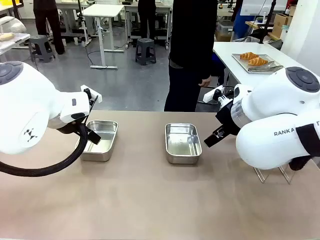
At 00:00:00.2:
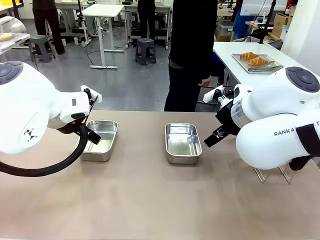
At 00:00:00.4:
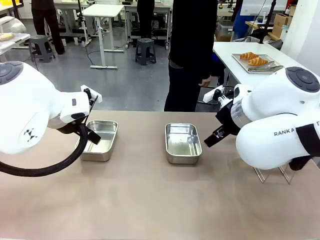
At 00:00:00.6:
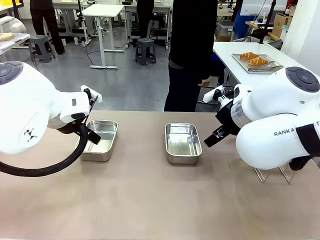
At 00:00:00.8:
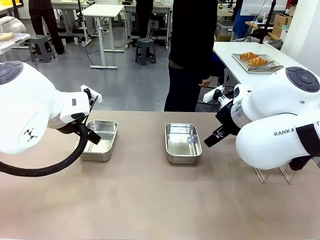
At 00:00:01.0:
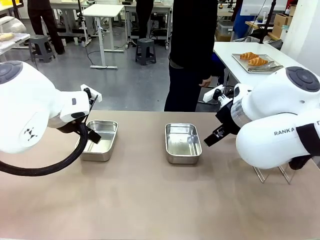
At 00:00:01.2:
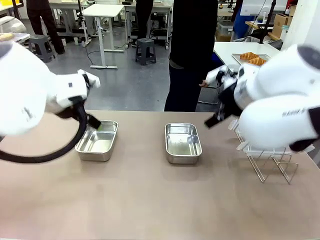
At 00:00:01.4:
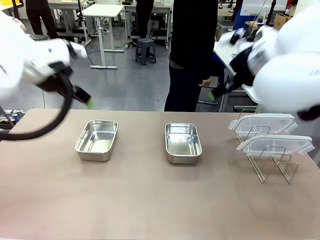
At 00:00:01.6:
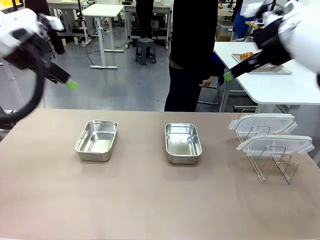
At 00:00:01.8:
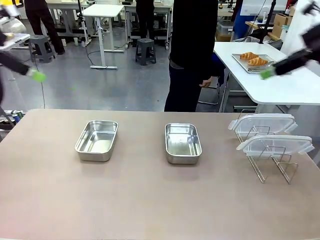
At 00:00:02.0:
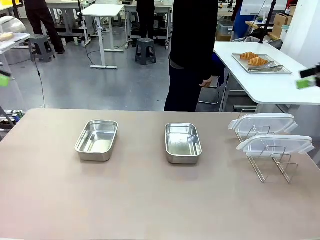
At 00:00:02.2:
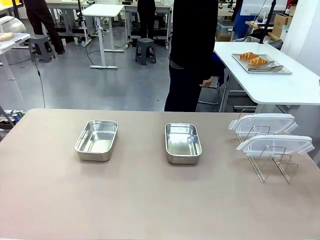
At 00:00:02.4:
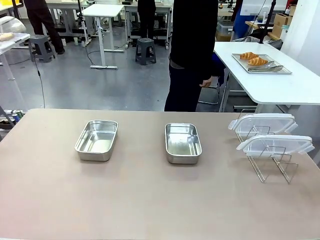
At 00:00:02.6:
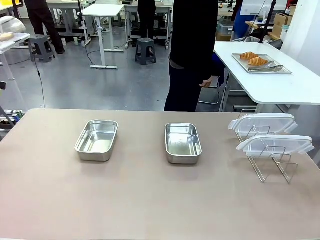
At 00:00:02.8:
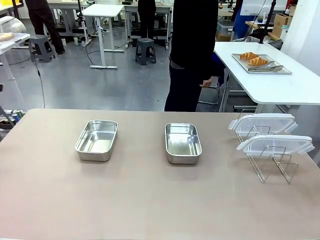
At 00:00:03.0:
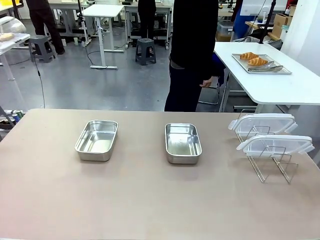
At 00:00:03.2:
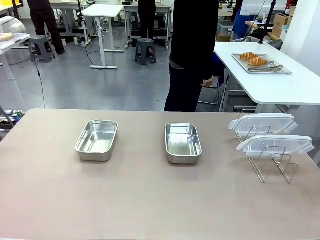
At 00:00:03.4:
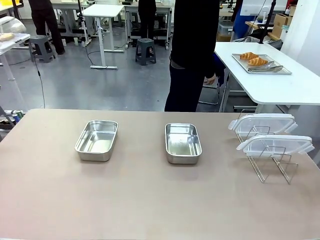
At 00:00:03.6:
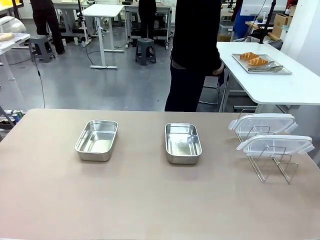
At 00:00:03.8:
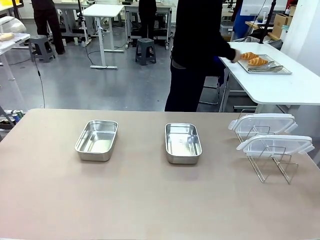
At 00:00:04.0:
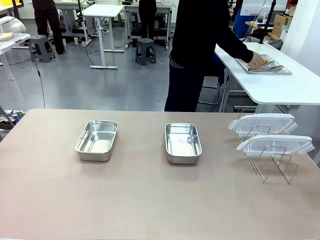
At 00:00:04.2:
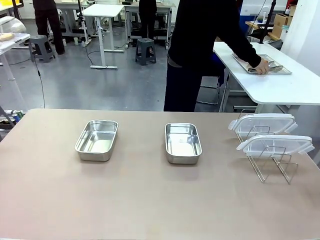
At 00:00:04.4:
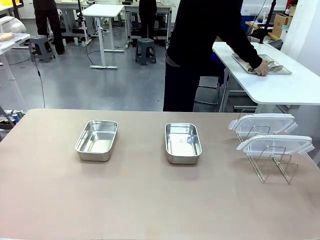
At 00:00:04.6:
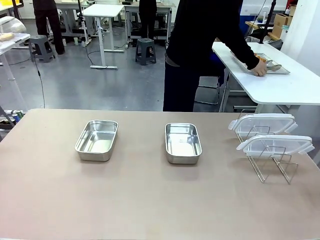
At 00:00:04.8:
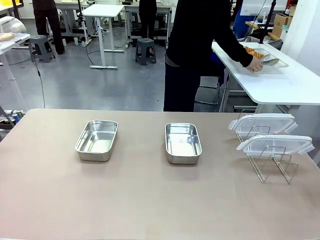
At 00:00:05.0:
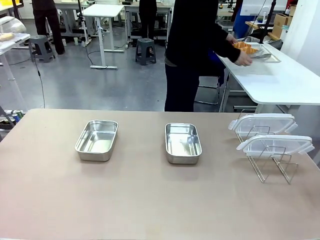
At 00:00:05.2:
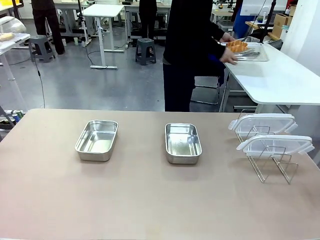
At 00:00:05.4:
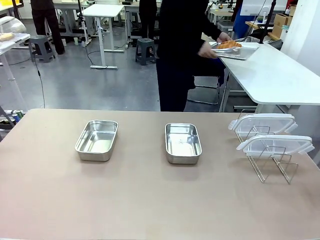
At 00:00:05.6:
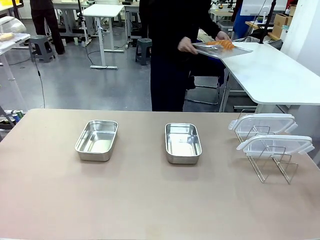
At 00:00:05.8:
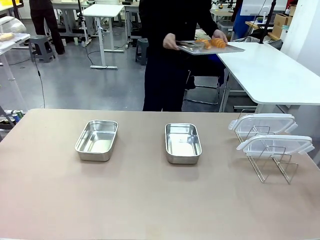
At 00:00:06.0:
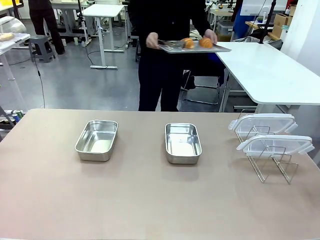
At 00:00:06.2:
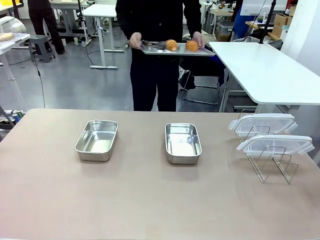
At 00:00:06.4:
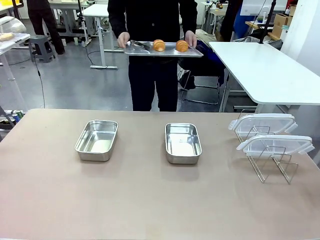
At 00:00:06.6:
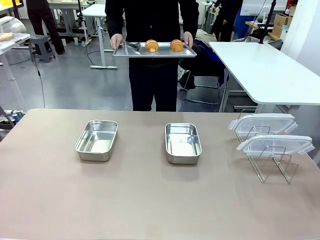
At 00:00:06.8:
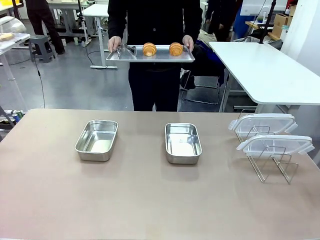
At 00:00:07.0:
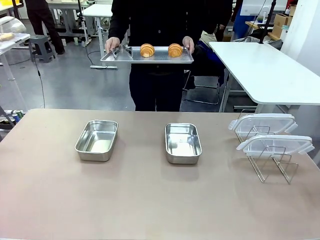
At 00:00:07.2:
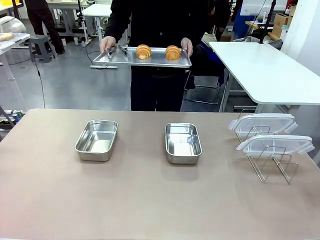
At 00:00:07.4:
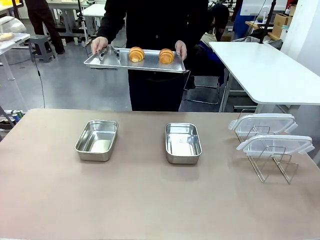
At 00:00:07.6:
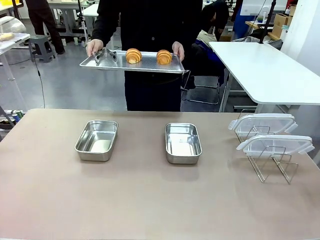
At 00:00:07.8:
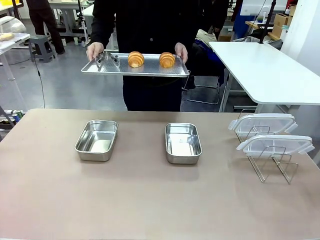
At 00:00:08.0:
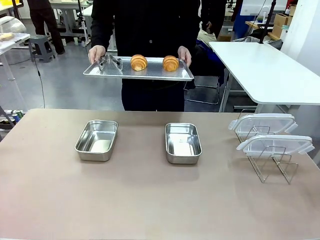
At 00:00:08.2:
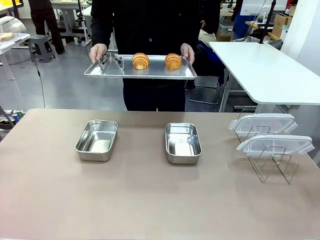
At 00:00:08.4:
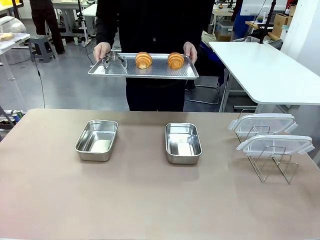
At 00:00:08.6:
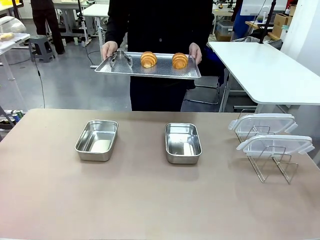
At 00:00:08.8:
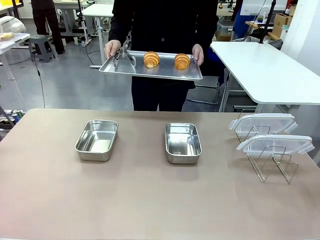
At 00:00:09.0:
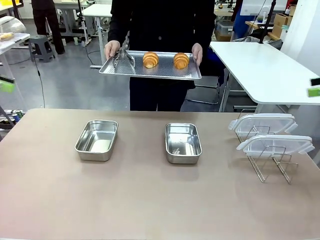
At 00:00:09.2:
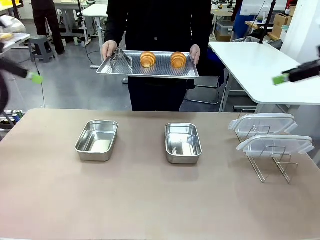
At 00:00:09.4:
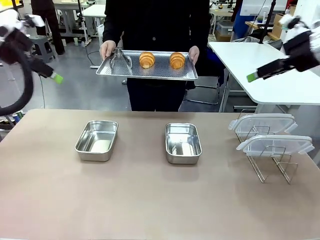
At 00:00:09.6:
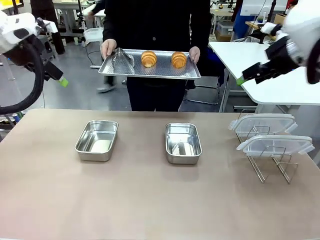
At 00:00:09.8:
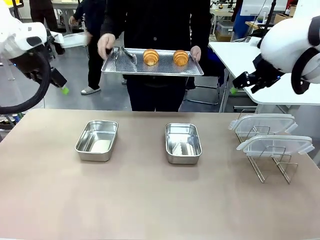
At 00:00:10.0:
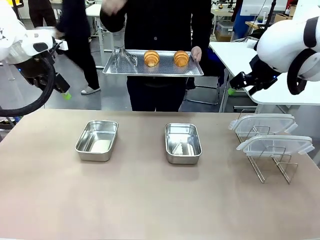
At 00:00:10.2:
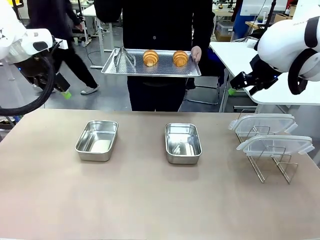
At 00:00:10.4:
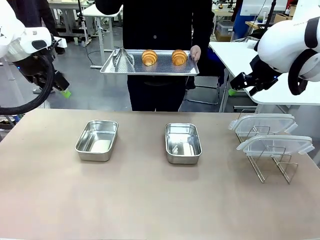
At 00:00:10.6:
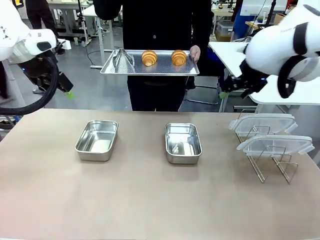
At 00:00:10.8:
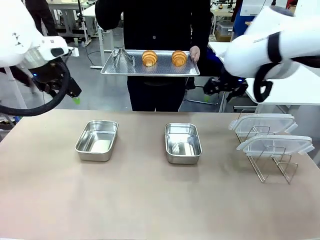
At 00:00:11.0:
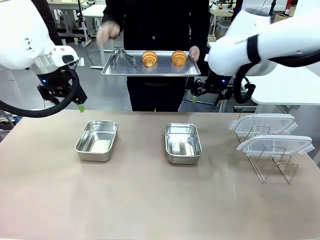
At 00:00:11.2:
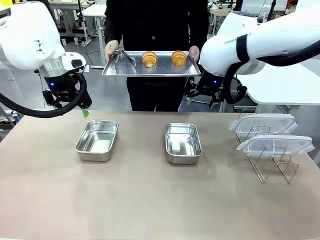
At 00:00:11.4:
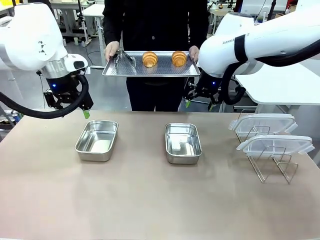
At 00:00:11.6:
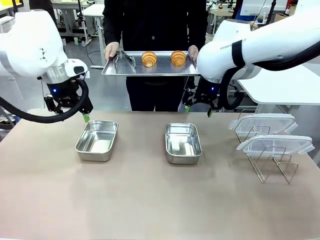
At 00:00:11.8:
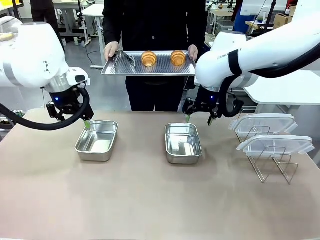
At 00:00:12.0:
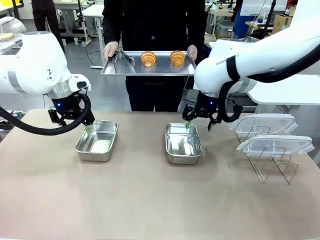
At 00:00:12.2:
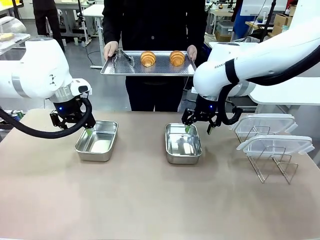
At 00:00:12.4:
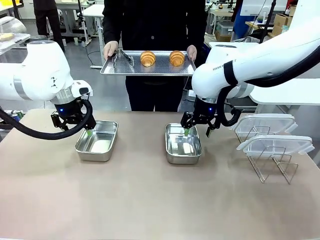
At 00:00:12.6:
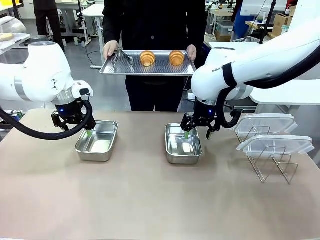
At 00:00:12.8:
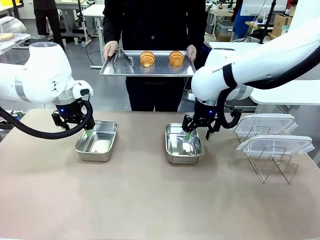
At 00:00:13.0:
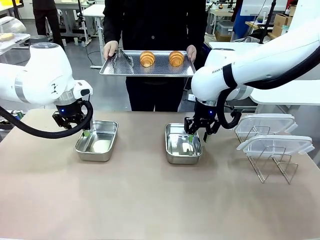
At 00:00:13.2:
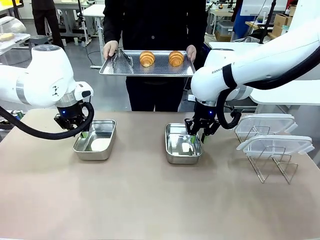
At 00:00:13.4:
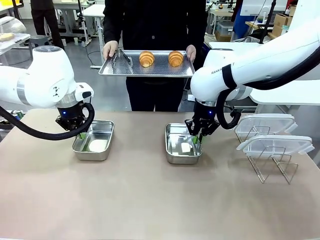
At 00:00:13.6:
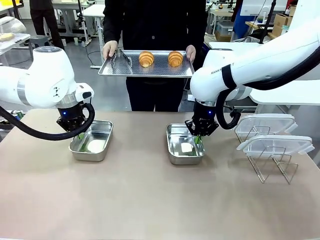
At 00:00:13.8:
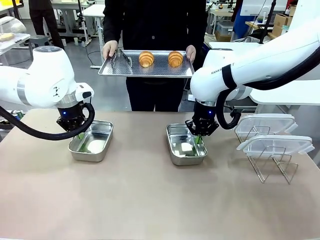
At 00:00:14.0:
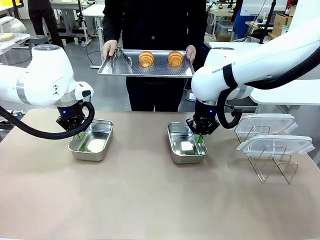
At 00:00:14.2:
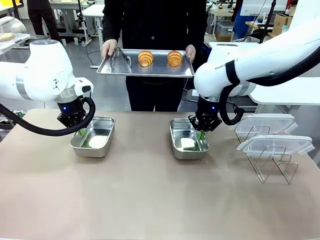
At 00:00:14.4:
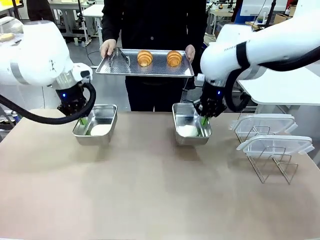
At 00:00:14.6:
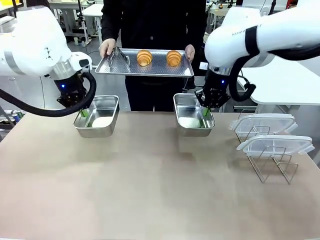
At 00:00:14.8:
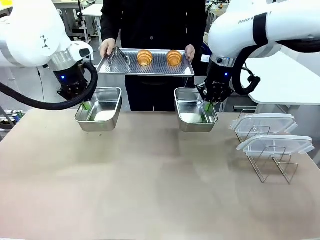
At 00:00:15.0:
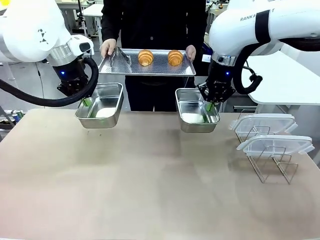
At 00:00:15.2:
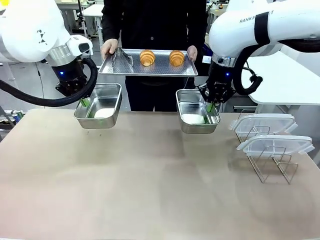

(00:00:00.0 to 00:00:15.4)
Task: Place the bread in airtight containers.
Robot: Lift both Airtight Container.
Person: Bring the Baking Sheet in front of Robot's Table.

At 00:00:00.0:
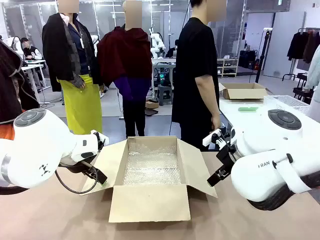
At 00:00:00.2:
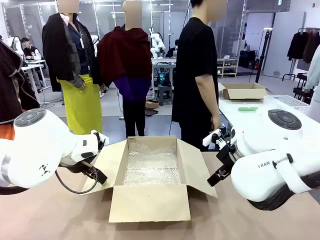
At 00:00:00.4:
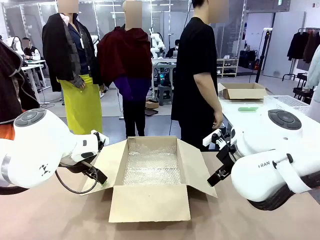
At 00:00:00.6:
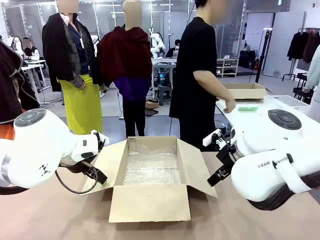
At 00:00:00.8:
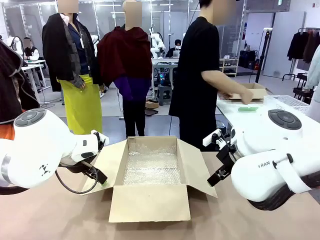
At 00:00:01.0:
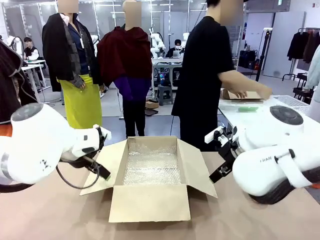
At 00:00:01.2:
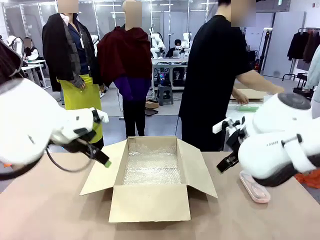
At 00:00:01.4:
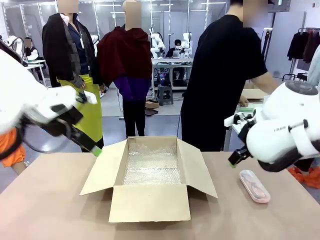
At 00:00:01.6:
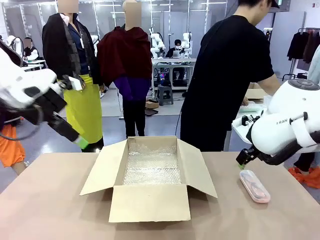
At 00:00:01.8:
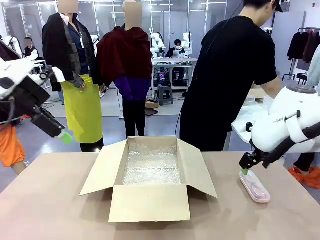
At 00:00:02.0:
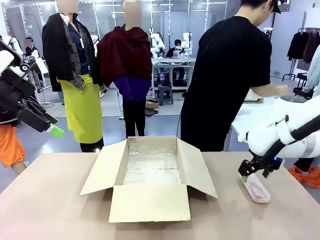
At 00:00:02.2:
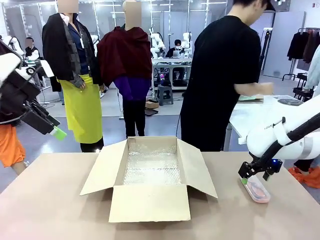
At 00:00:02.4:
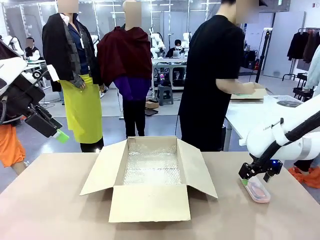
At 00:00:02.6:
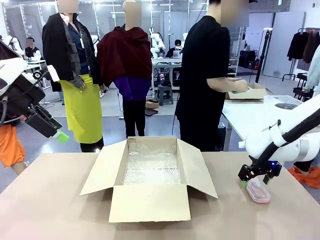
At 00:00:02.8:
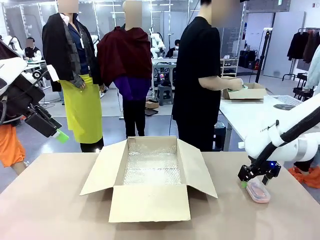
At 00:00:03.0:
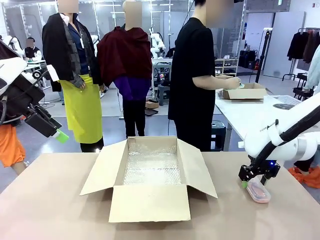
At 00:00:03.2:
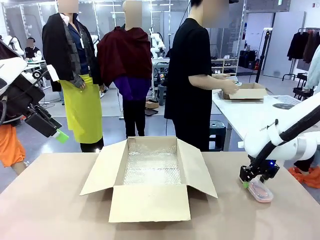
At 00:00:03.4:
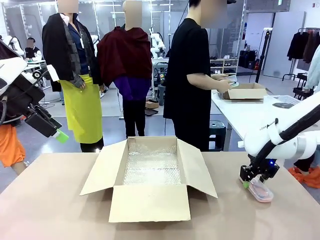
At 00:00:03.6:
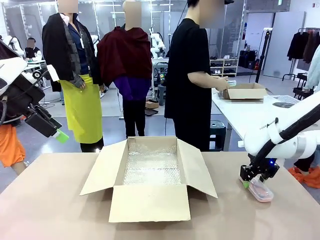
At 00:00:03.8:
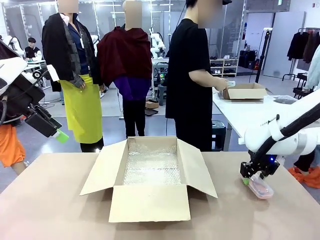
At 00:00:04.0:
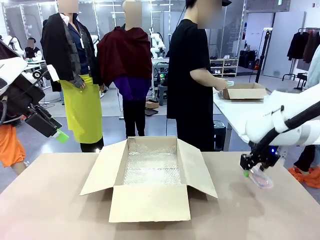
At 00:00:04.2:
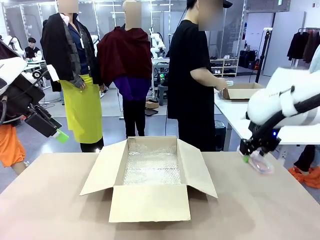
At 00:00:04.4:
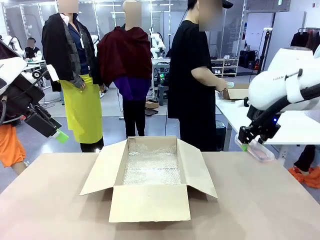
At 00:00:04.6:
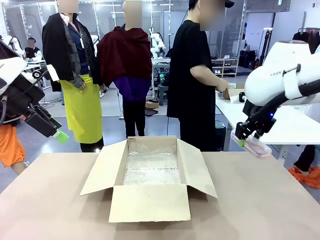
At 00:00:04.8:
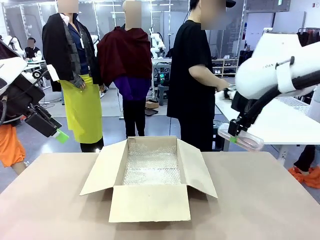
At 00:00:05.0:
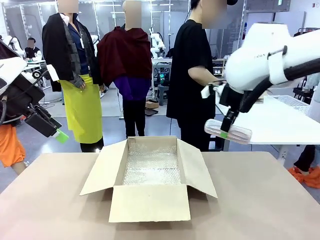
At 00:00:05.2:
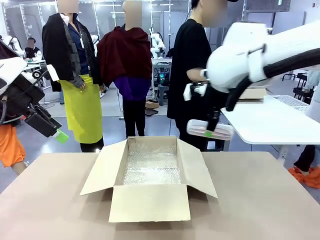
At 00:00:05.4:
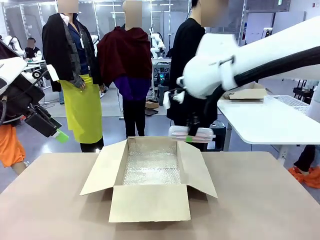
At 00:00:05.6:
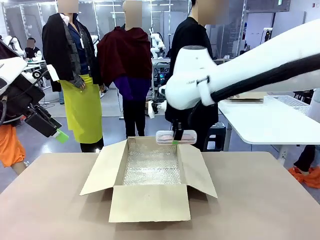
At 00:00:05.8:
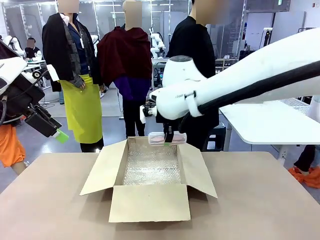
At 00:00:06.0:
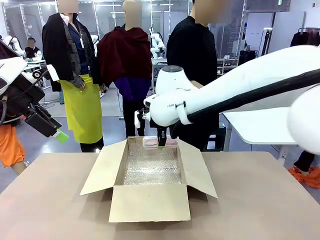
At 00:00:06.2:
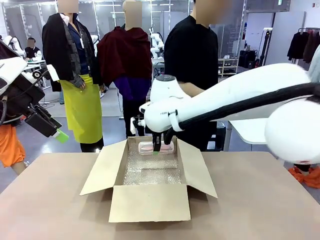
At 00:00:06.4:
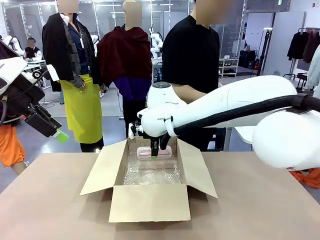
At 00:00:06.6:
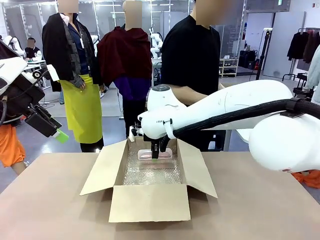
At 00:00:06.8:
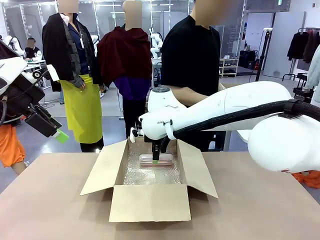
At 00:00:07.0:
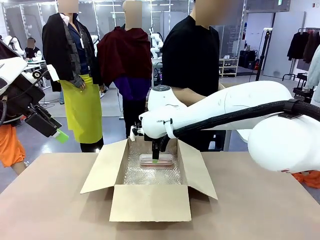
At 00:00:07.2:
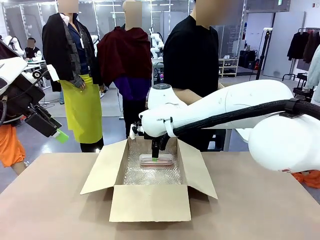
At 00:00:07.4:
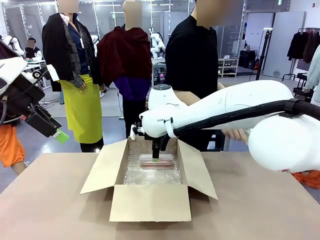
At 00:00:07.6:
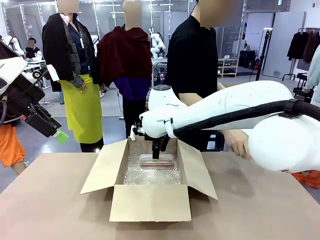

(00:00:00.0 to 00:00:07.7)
Task: Pack the glasses set securely to prepare it for shipping.
Robot: Place the Glasses case inside the Package Box.
Person: Place the Glasses inside the Glasses case. Position the Glasses case on the left side of the robot's table.
